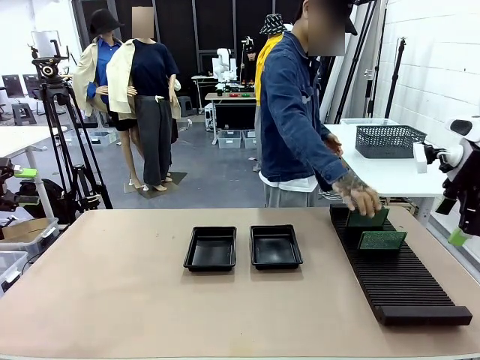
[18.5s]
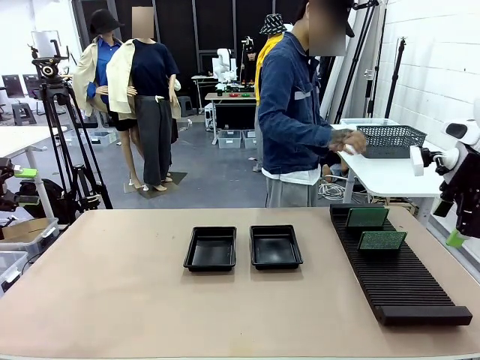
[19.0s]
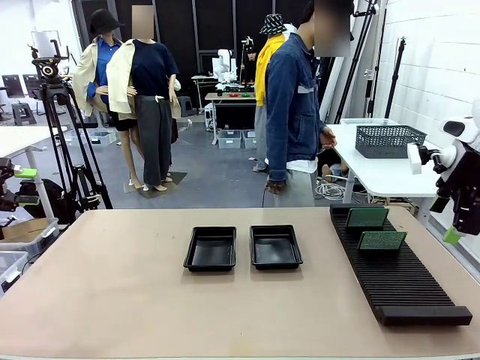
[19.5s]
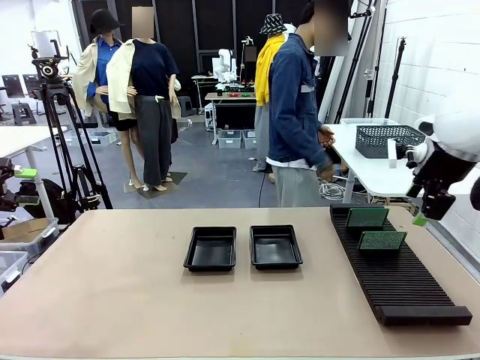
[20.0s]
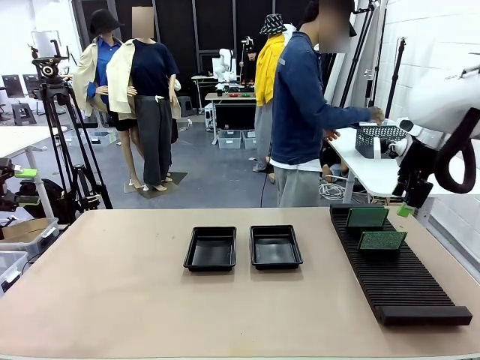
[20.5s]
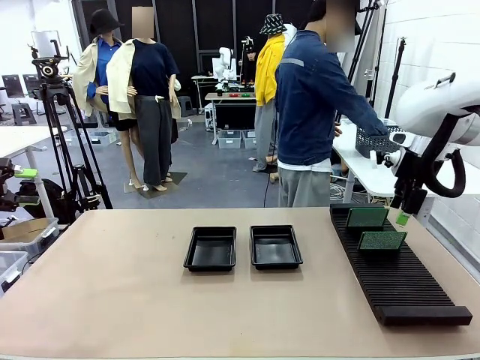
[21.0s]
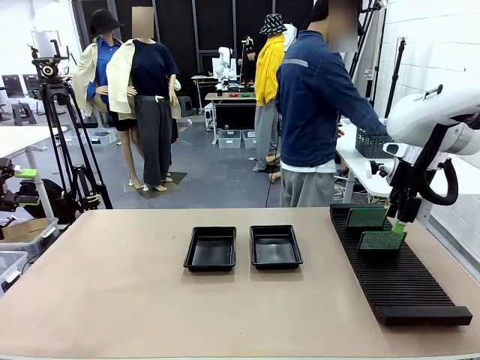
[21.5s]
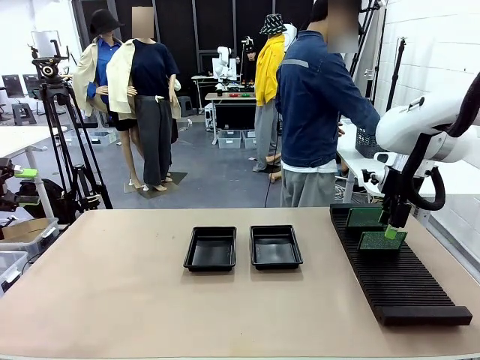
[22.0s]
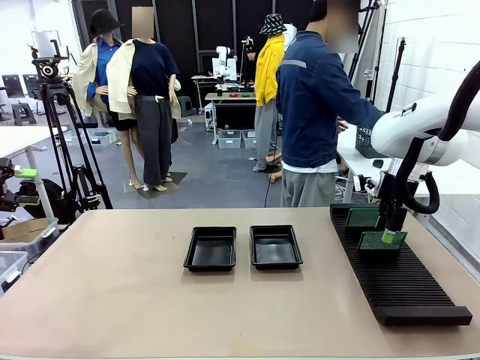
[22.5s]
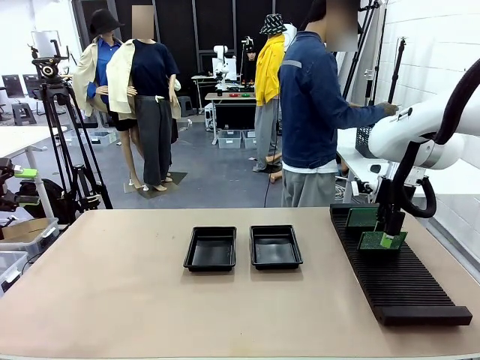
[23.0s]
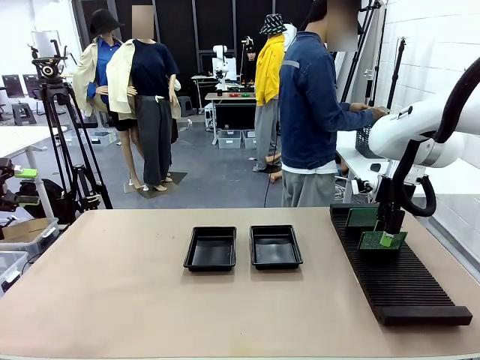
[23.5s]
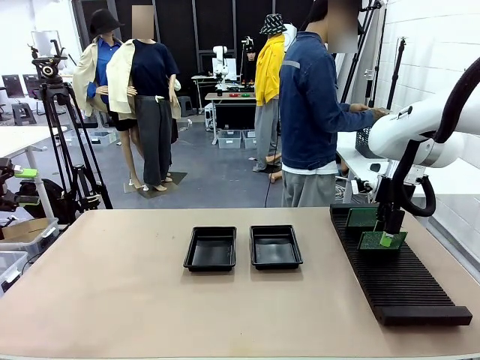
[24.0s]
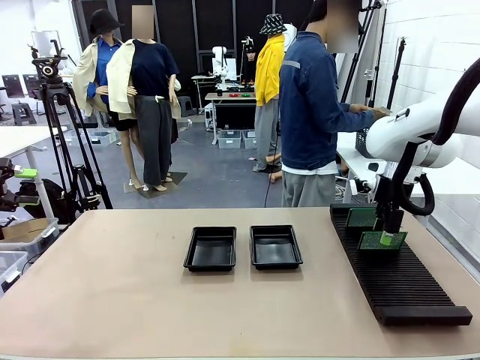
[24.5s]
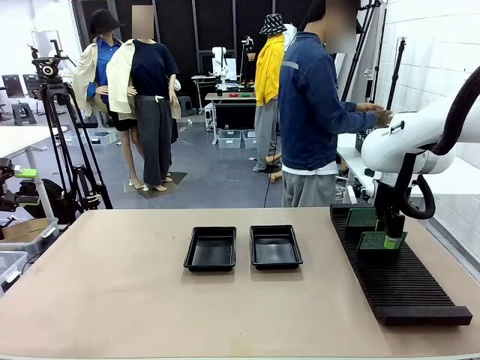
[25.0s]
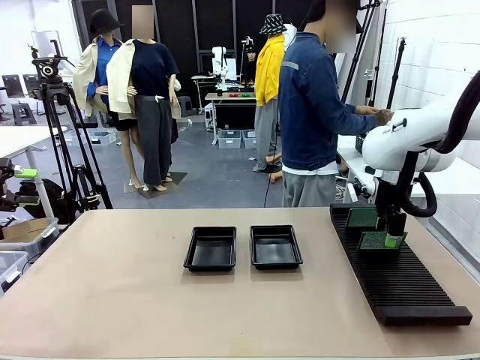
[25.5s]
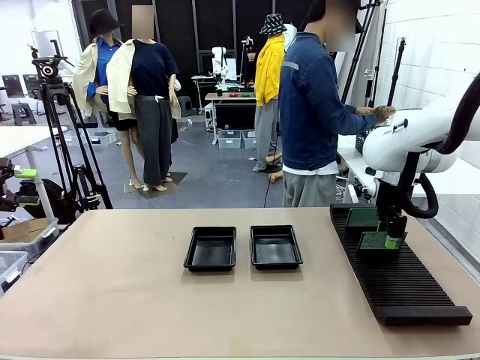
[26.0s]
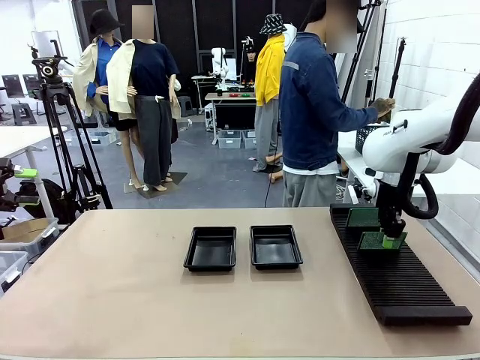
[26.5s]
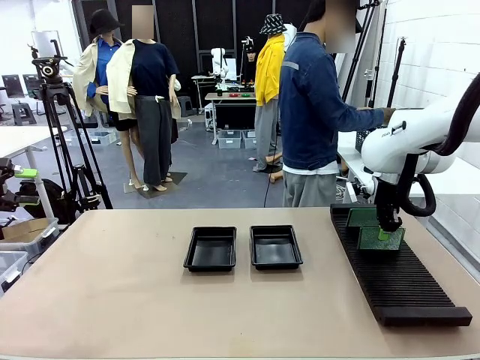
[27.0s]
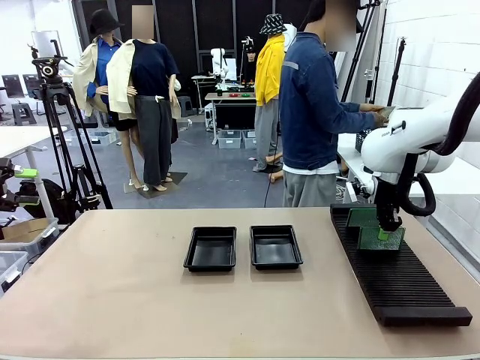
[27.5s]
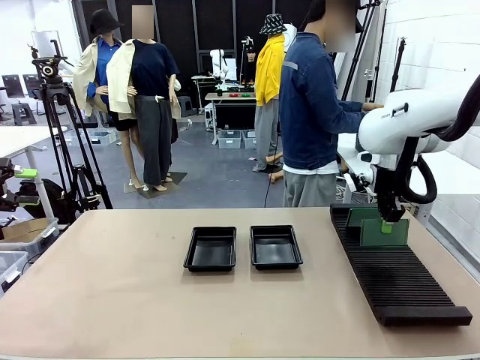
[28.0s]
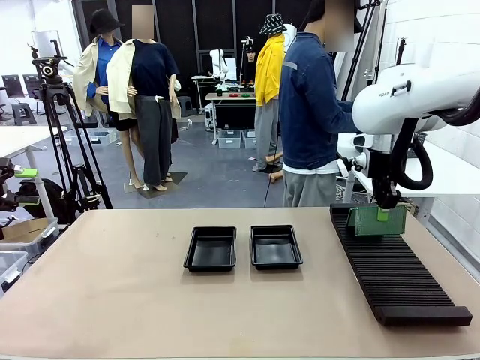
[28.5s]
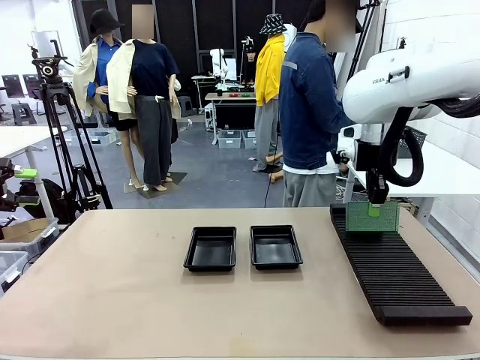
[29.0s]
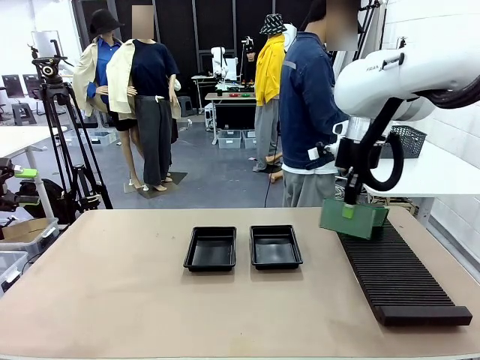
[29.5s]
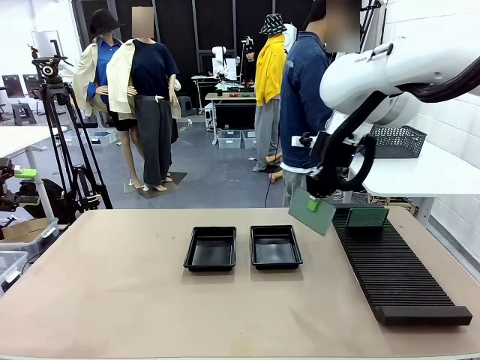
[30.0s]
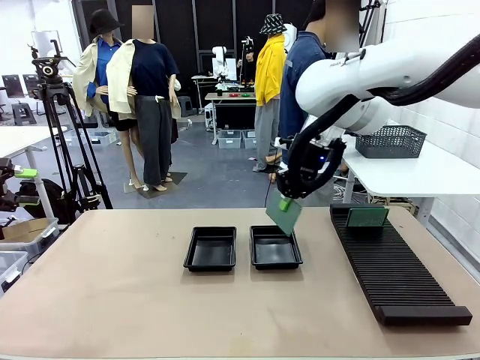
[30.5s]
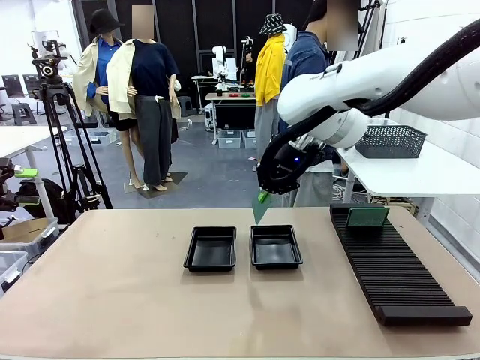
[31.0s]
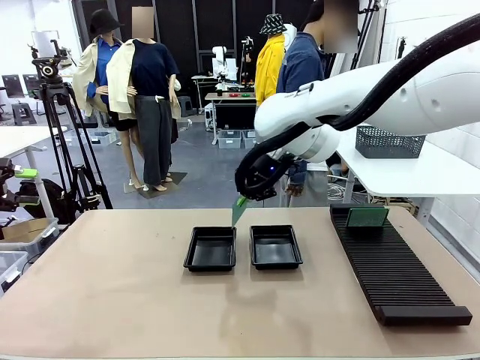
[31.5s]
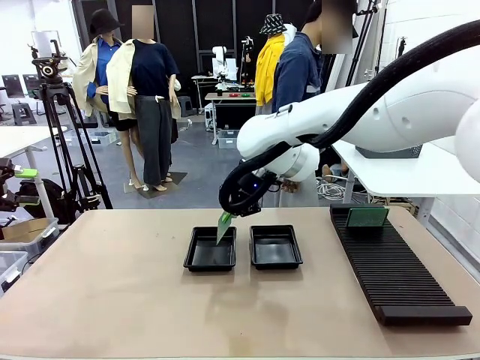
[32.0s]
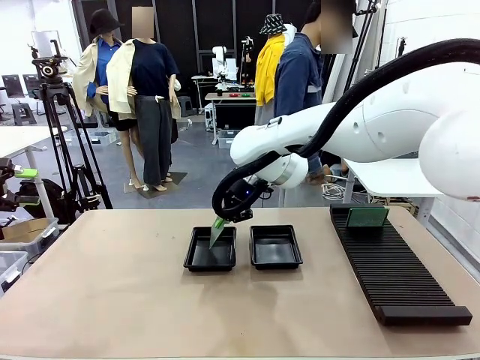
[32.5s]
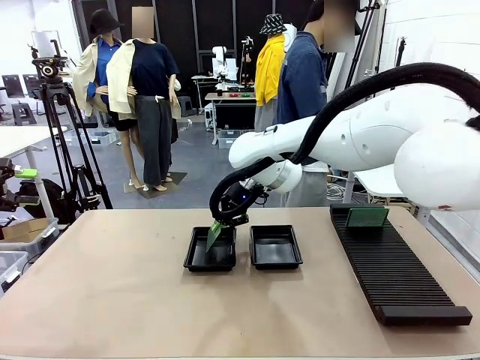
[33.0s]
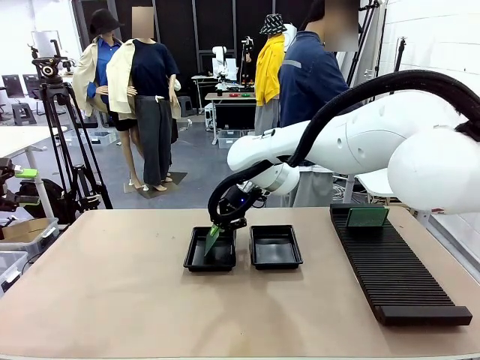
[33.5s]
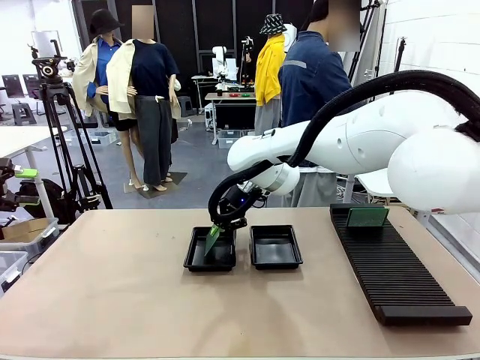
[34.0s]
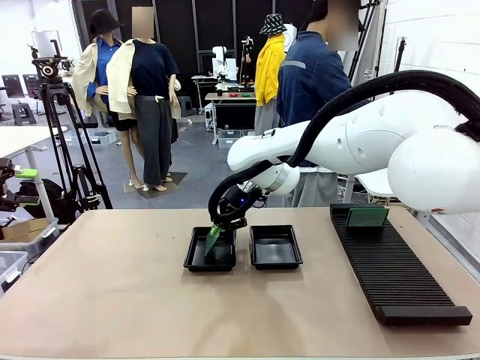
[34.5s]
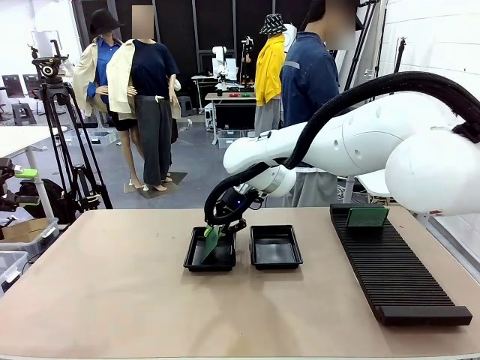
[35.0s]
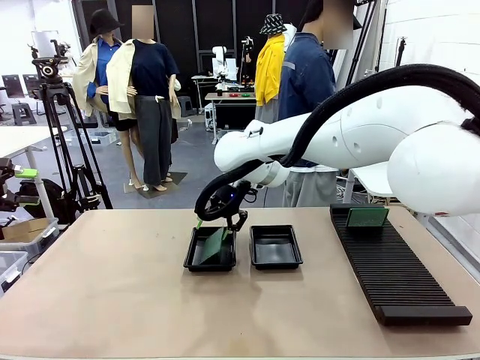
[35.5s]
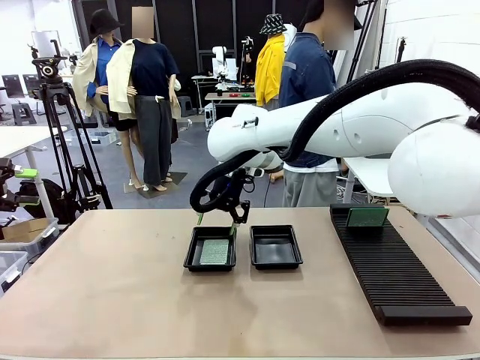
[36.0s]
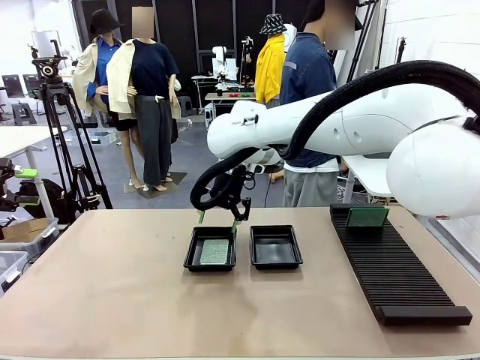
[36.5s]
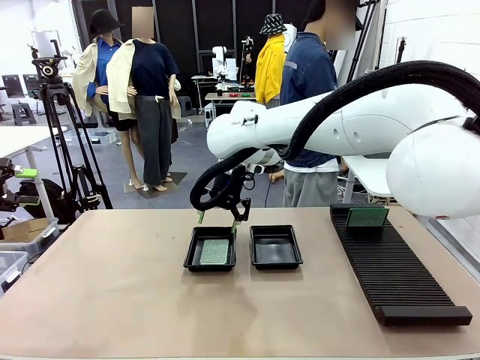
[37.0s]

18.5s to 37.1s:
Task: Inspect and transfer BCBs to ESD trays.
Robot: Pick up the Blank PCB from the PCB Rack and place it in the left ESD tray.
